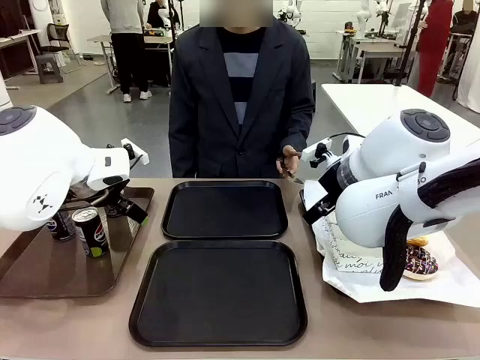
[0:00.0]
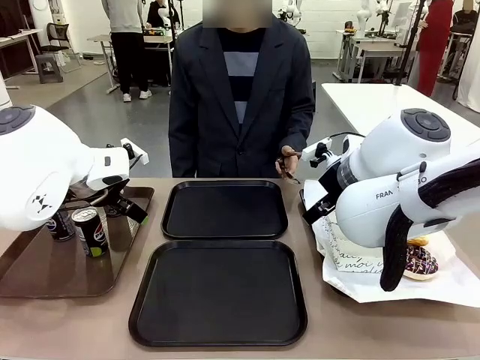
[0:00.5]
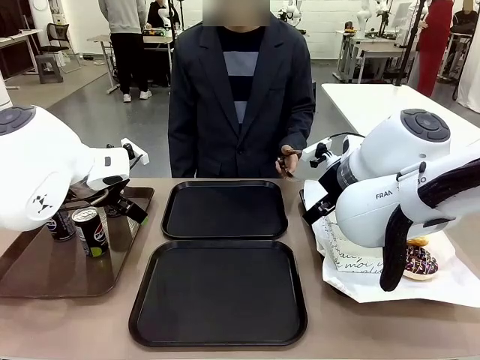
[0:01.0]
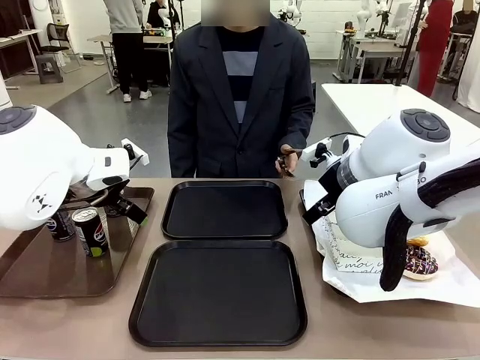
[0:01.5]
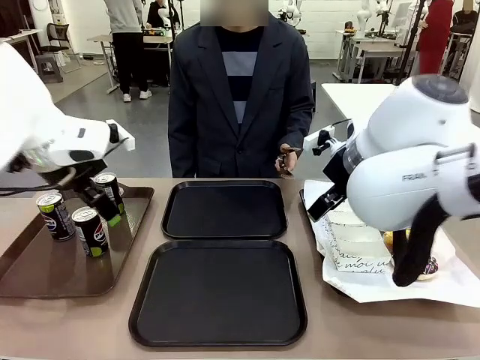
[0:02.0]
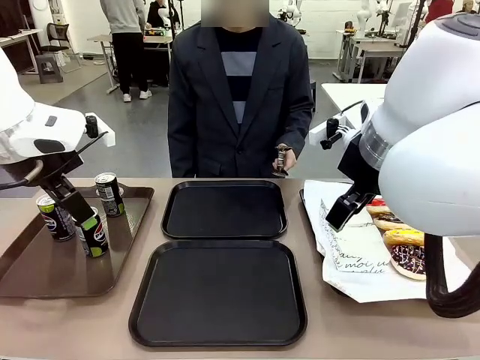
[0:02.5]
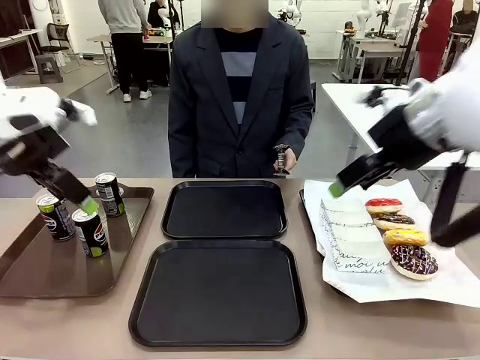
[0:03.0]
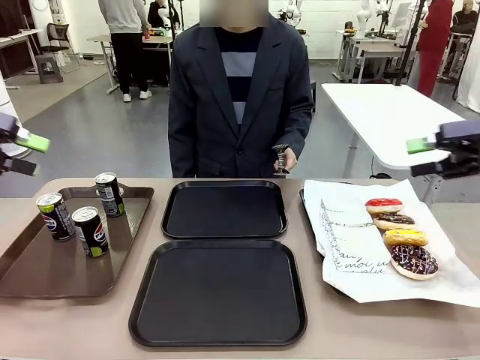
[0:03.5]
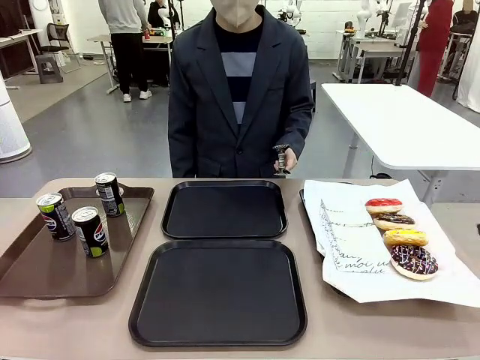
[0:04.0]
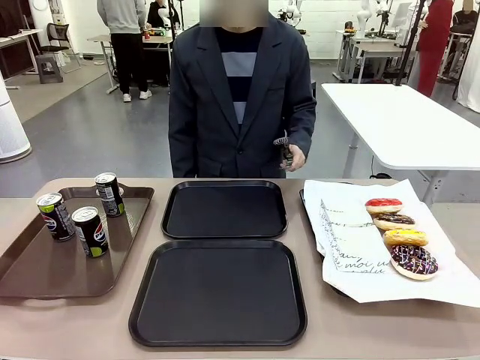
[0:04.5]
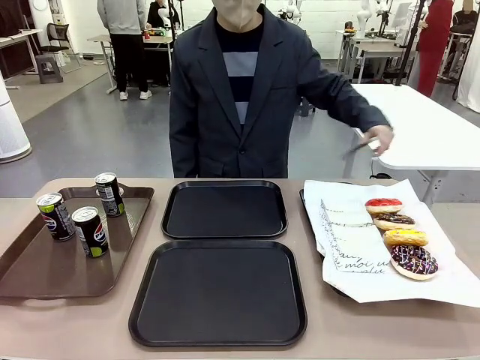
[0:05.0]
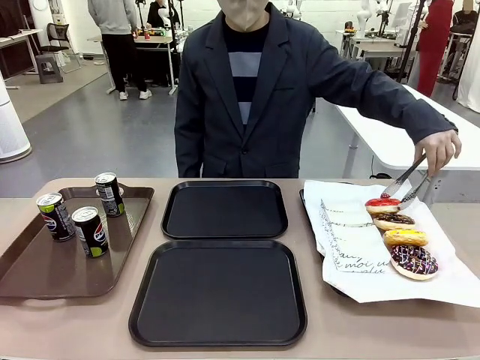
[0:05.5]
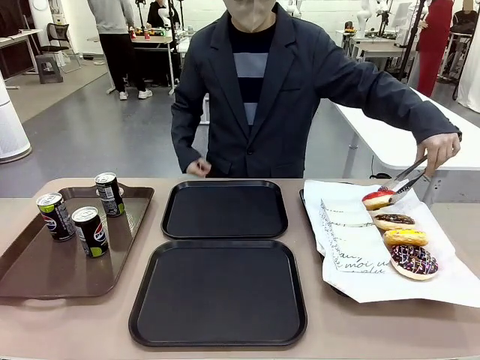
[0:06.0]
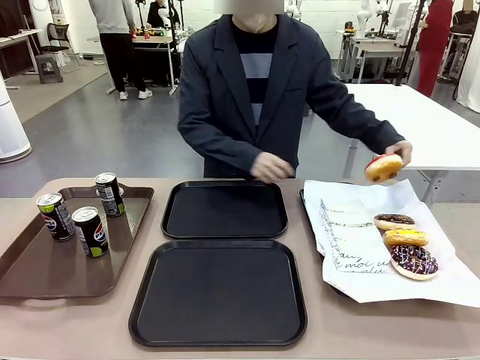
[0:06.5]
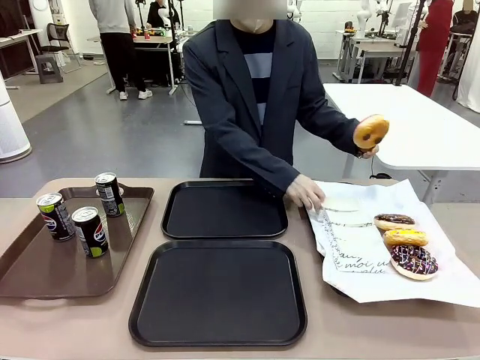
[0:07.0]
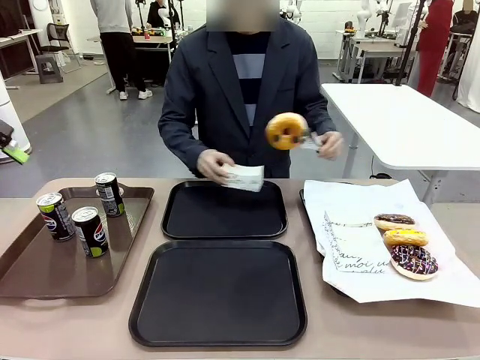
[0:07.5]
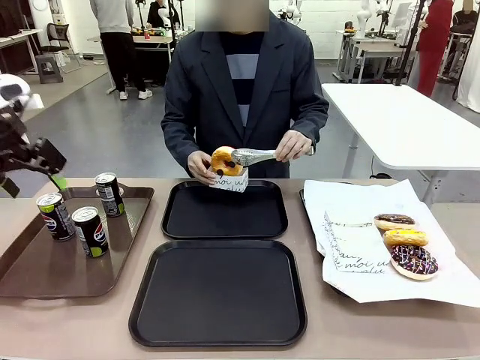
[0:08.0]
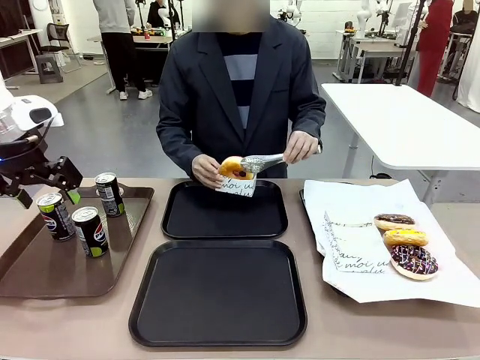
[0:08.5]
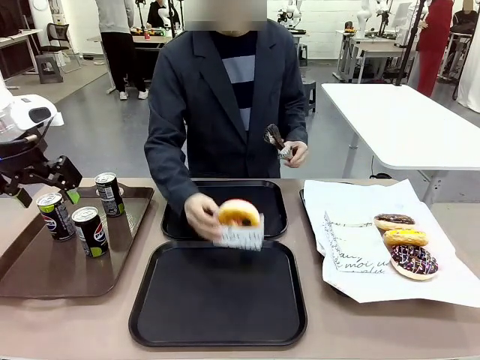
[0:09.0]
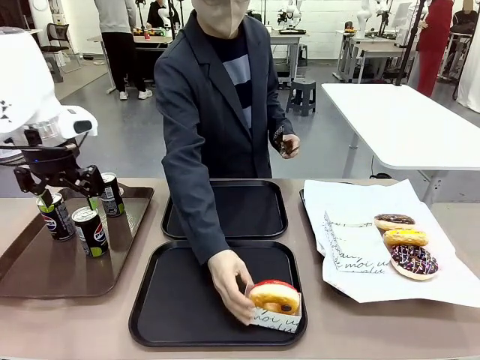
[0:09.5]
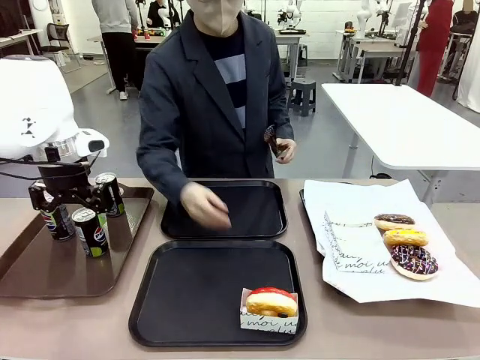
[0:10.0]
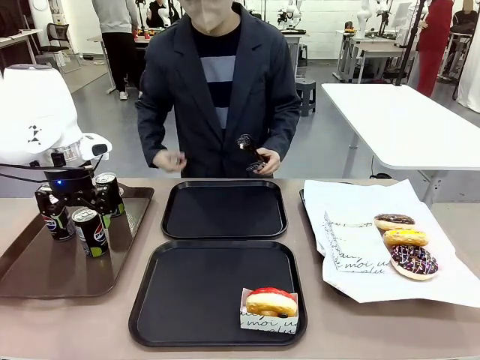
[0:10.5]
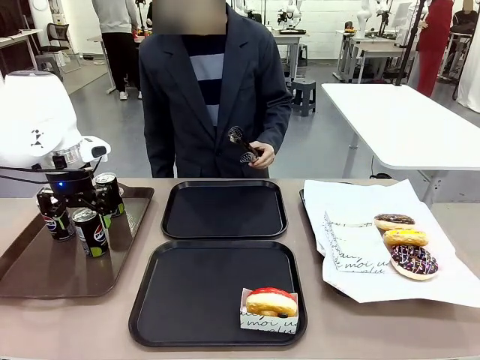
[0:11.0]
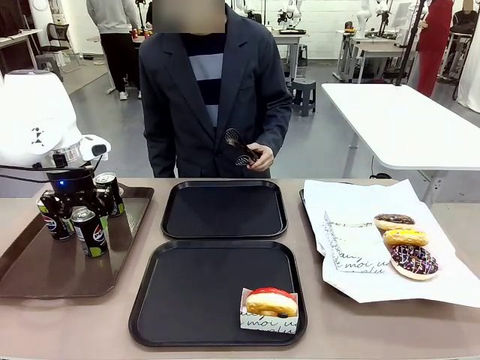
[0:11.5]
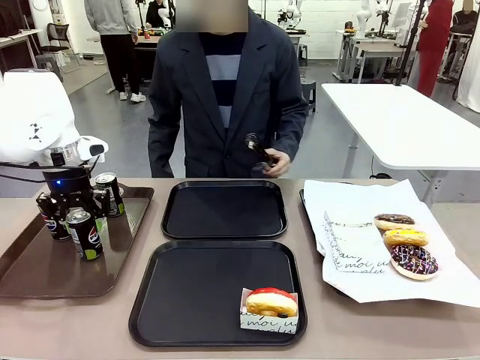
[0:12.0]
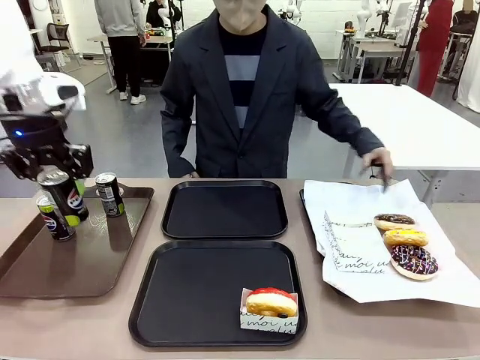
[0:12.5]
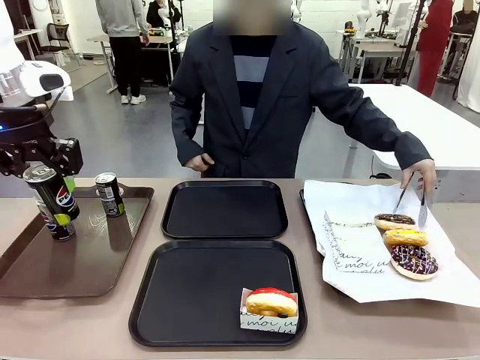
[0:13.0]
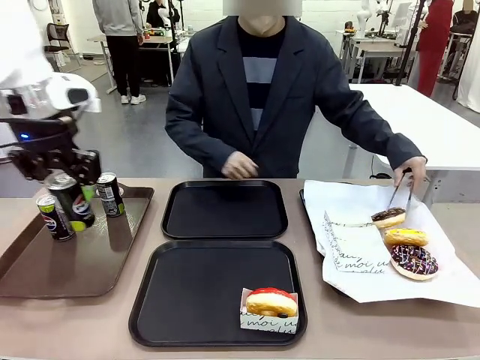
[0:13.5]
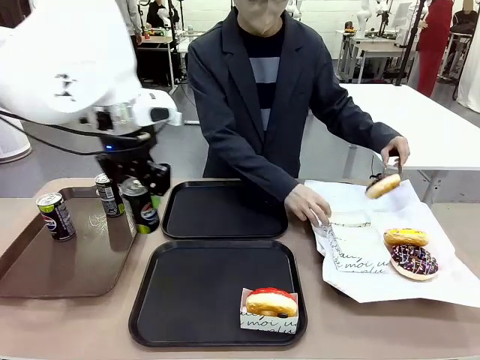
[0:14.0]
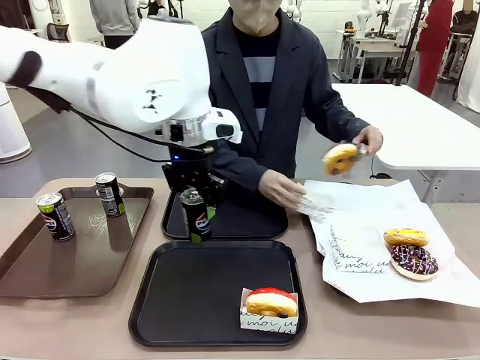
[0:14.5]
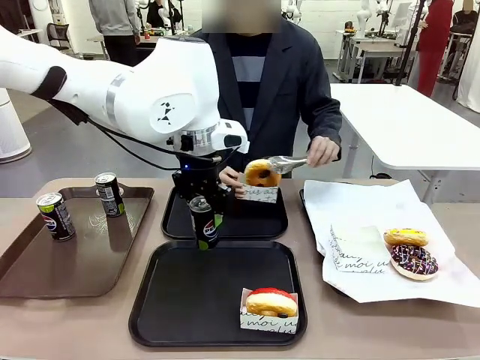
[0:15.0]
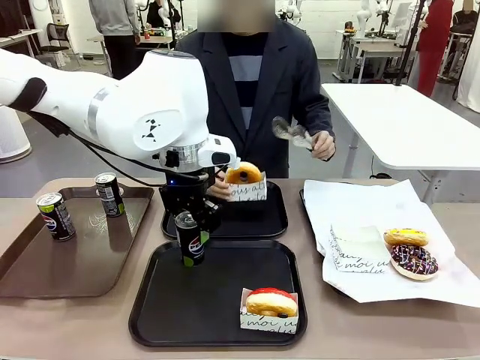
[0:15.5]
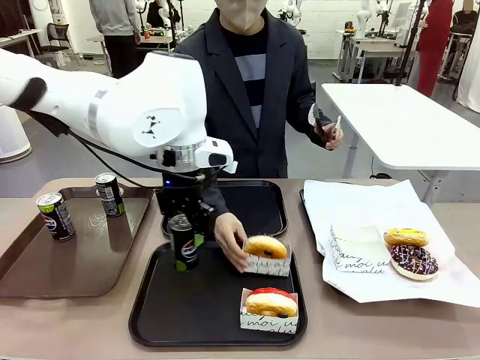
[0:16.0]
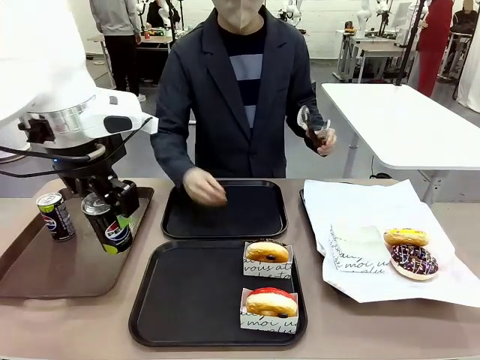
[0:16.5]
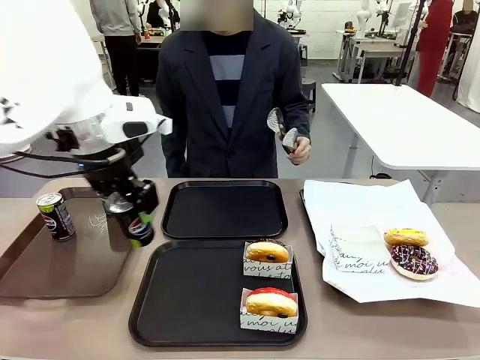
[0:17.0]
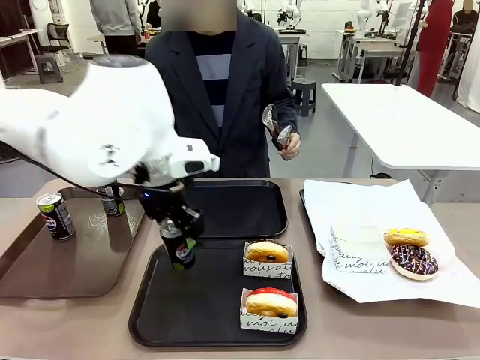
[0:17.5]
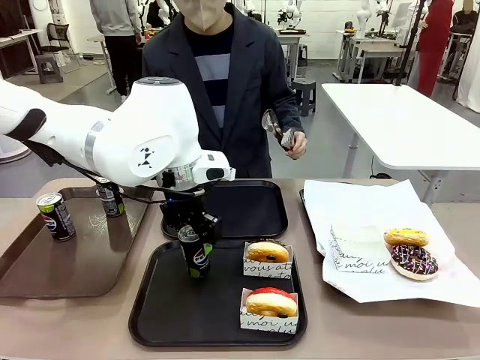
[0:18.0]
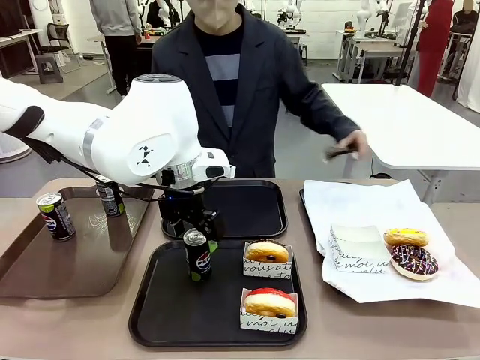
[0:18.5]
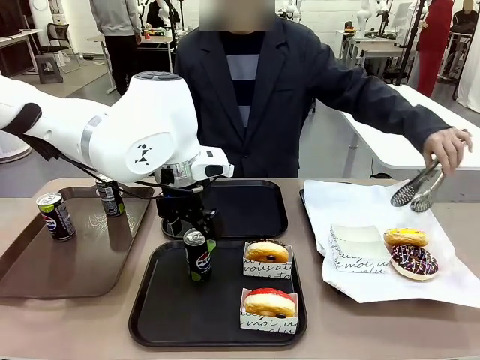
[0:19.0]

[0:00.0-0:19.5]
Task: Set up donuts and drinks on trays.
Robot: Pick up one Pepsi coke and place it on the Flat Tray.

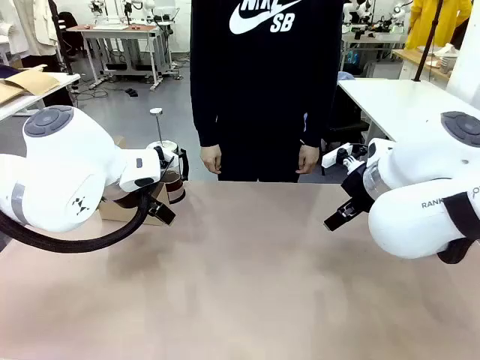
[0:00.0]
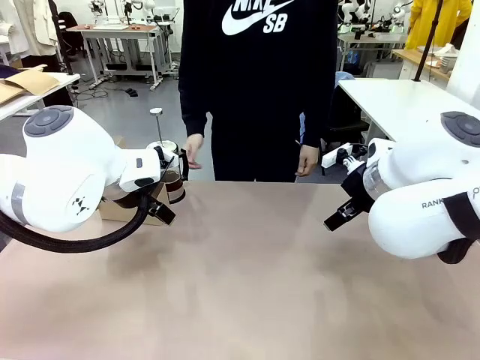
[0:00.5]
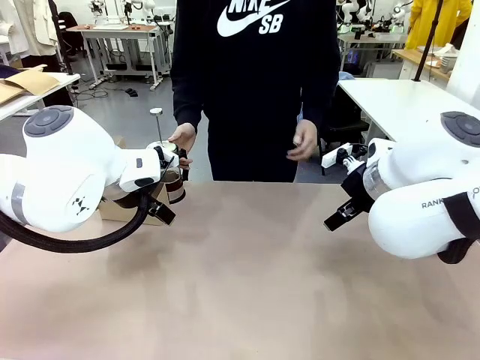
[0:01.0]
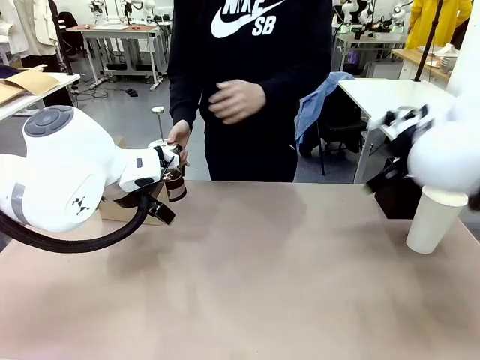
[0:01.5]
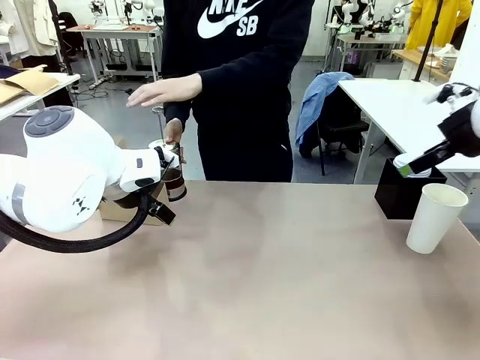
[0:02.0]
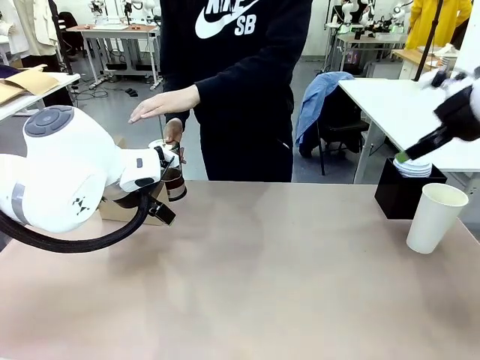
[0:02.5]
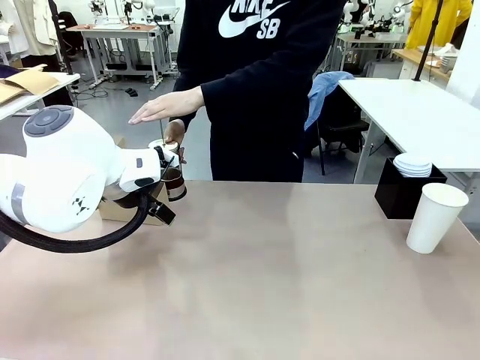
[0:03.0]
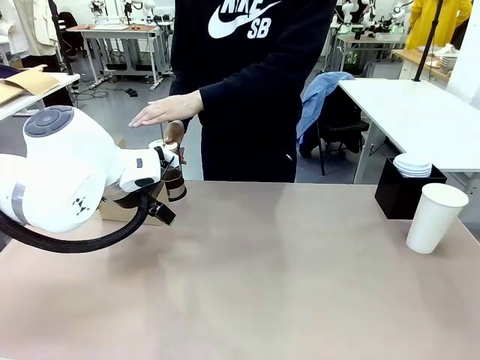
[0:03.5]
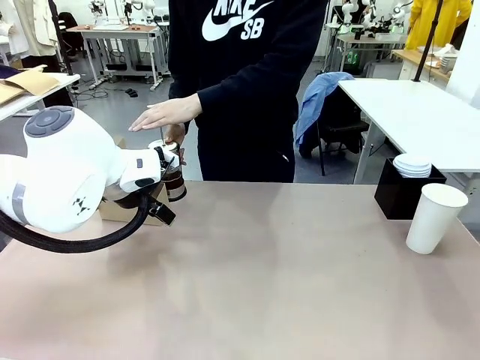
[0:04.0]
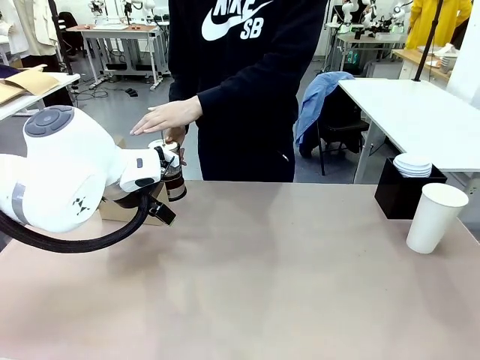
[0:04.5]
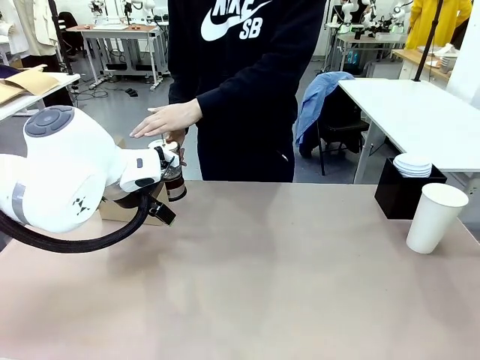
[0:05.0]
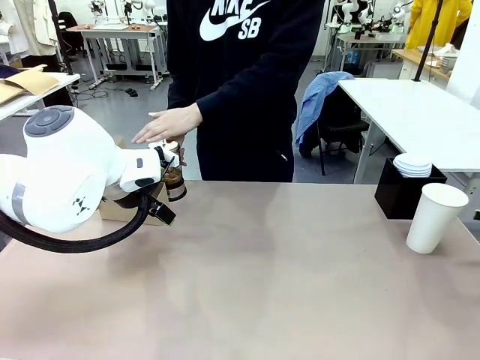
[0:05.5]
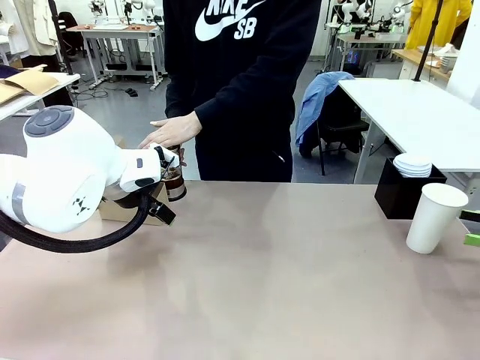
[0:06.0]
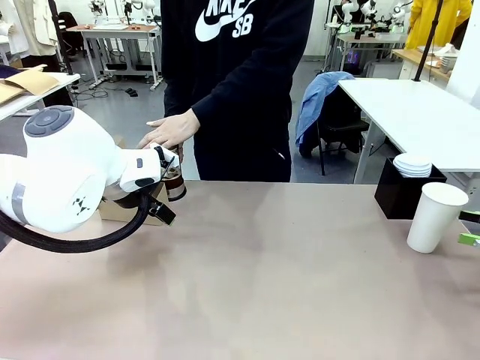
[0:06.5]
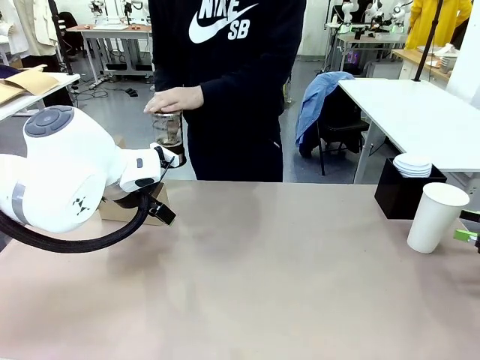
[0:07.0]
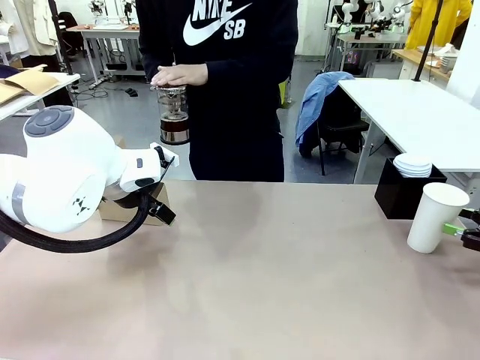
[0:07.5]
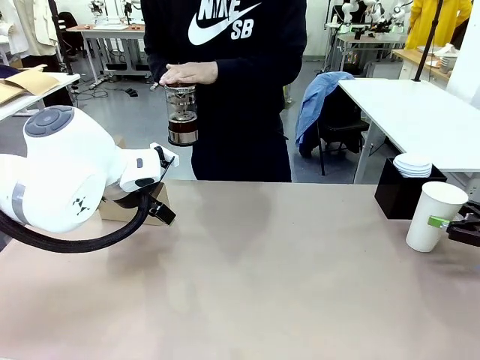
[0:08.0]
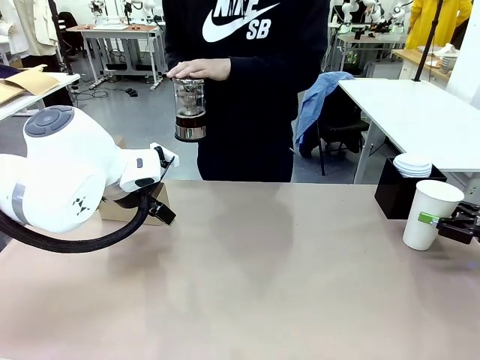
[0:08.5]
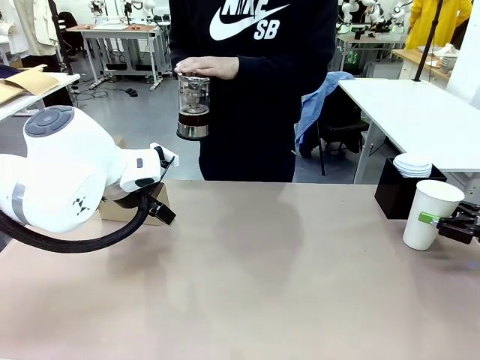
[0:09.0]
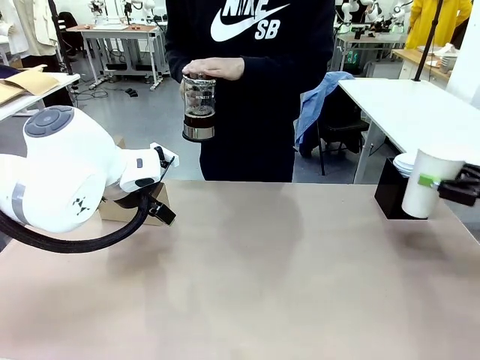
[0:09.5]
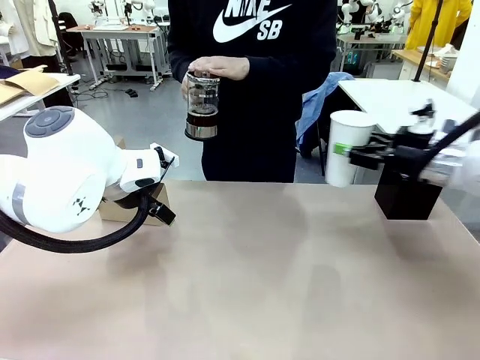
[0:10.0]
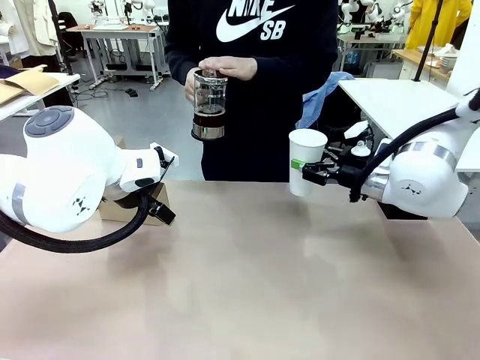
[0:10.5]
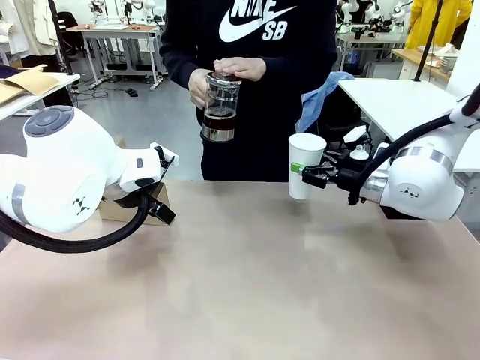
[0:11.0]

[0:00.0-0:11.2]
Task: Pour a drink into a cup and package it in a carrier.
Robot: Pick up the 600 ml Paper Cup and place it in the middle top area of the table.
Person: Press and pick up the Filter Brewing.
